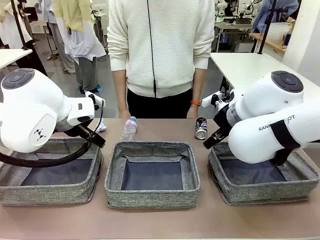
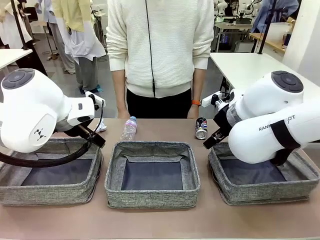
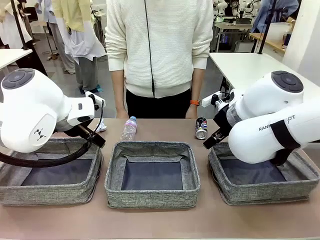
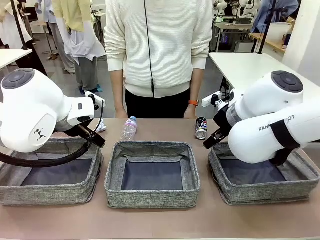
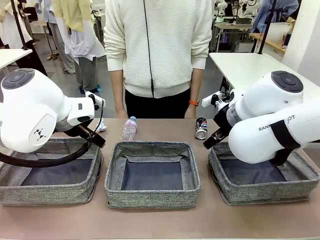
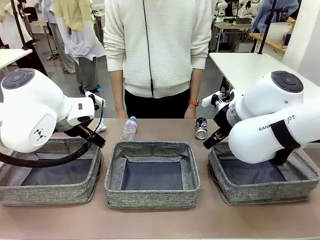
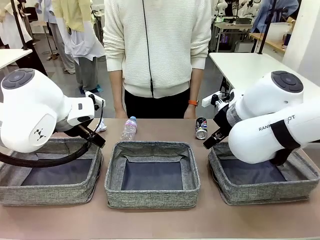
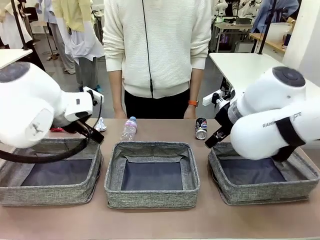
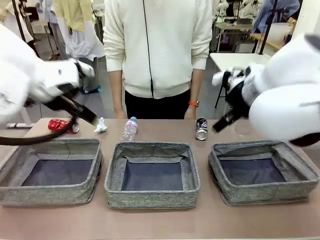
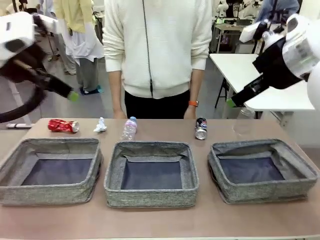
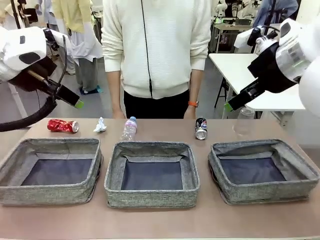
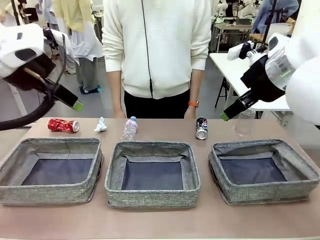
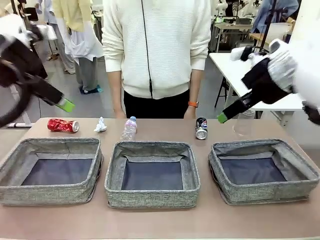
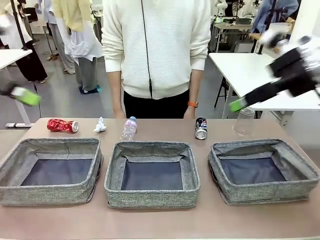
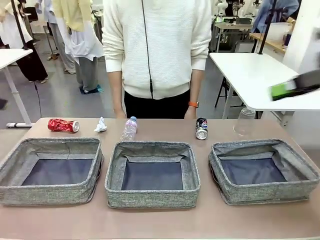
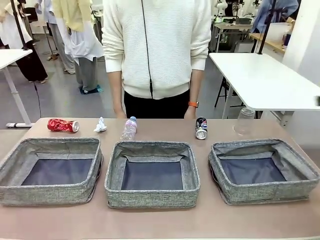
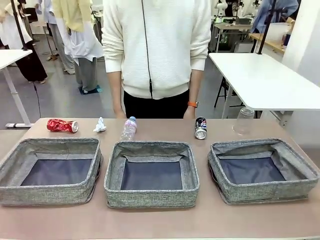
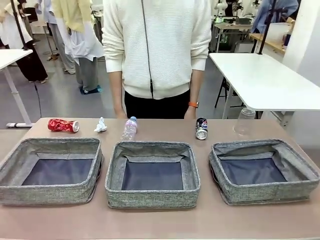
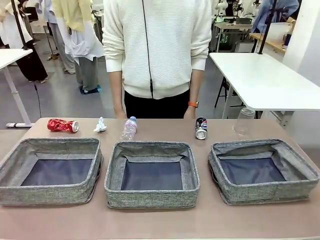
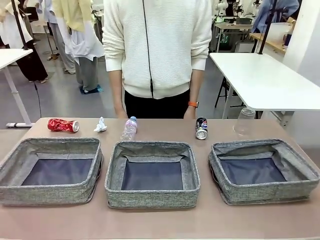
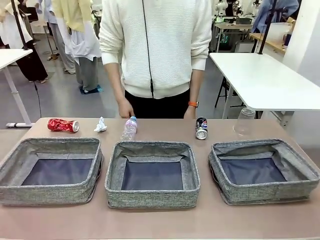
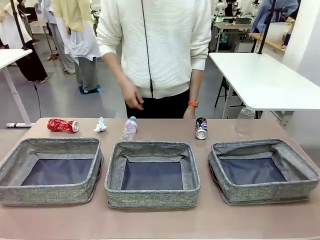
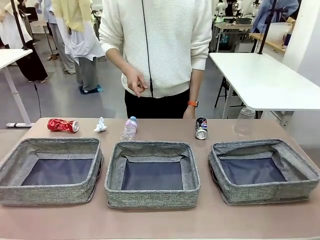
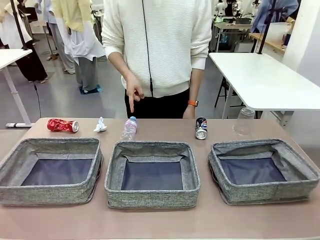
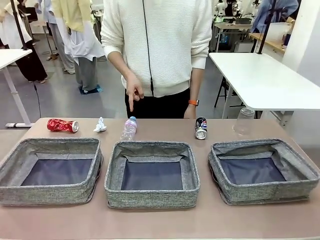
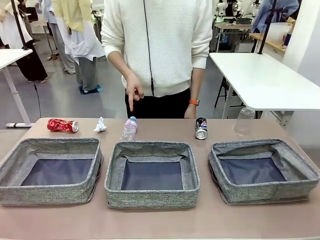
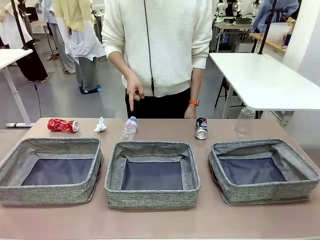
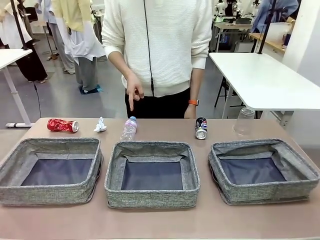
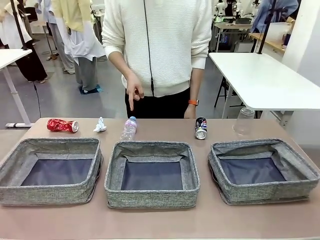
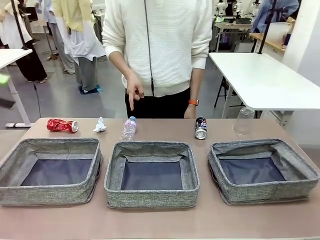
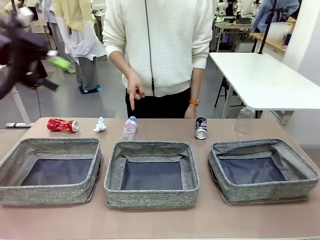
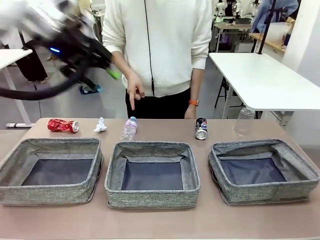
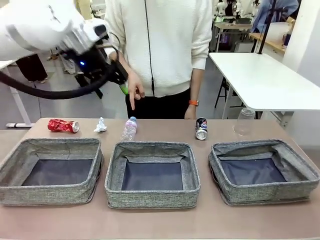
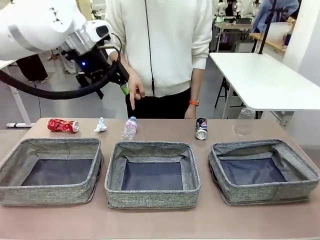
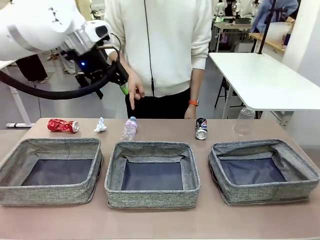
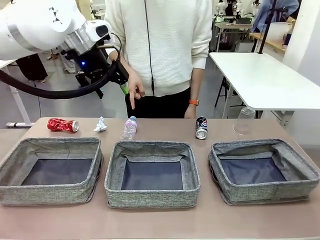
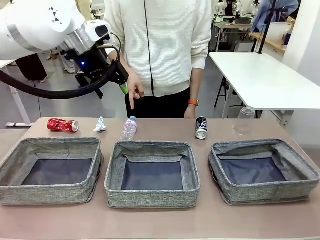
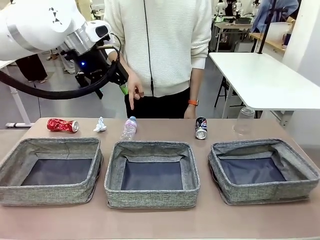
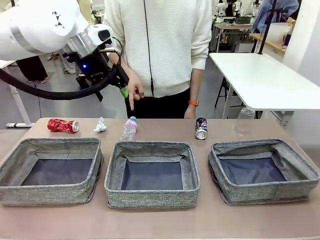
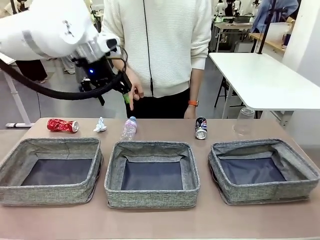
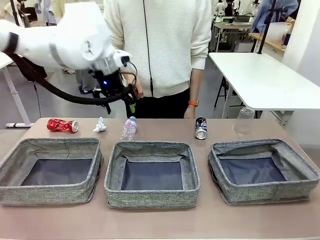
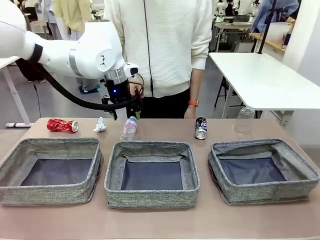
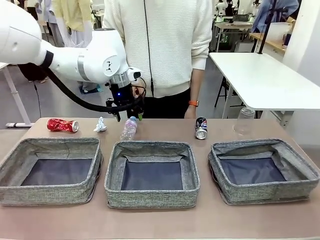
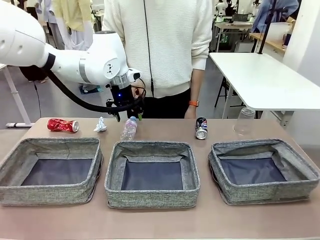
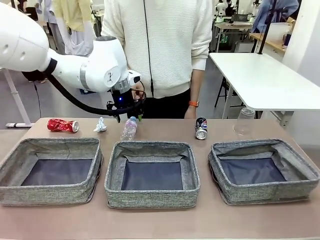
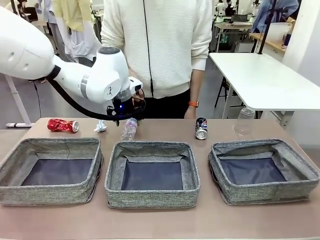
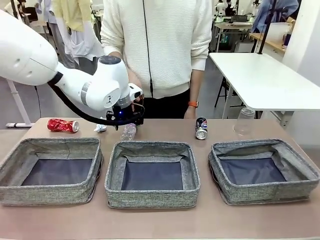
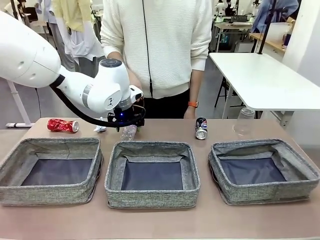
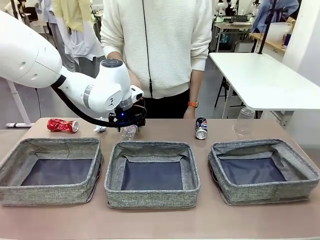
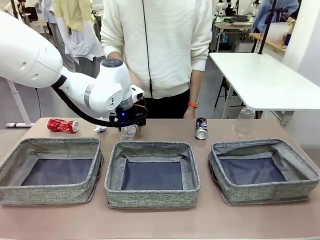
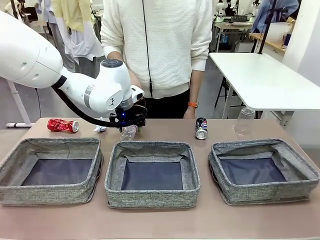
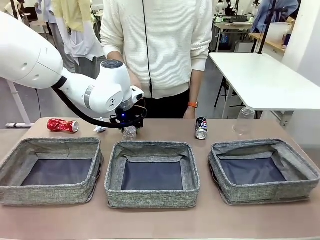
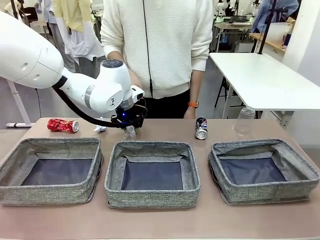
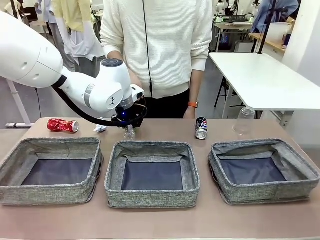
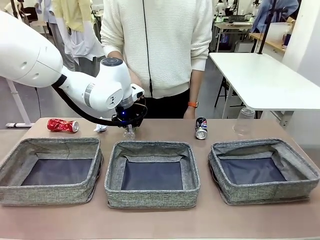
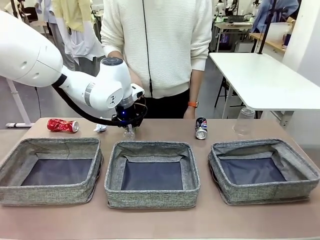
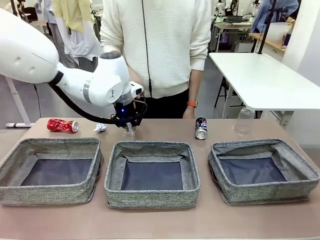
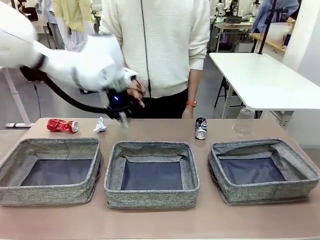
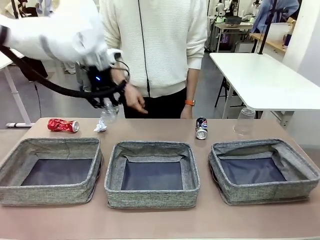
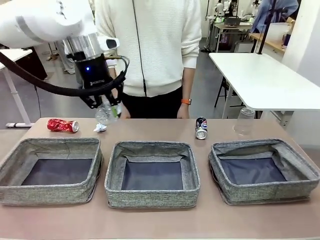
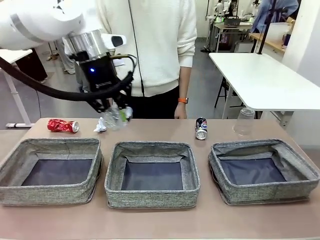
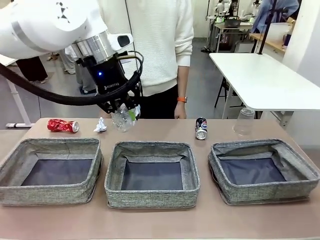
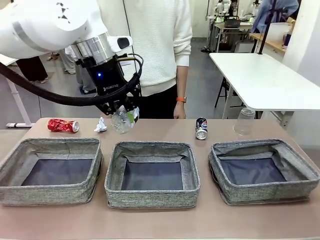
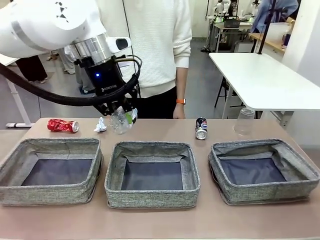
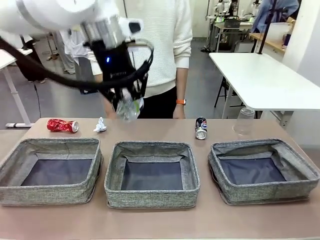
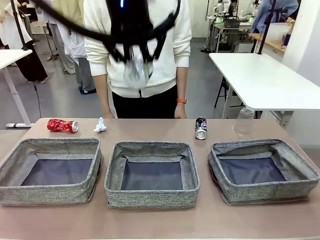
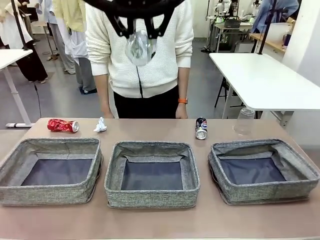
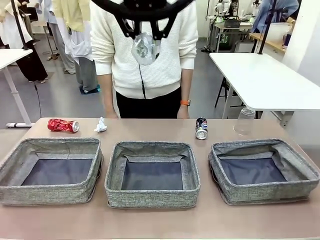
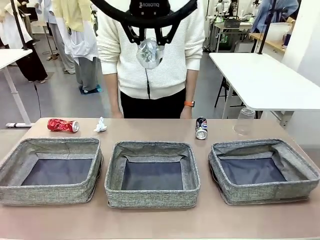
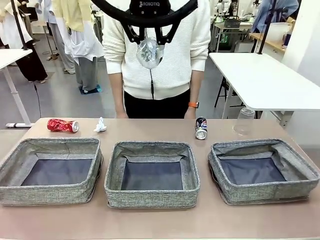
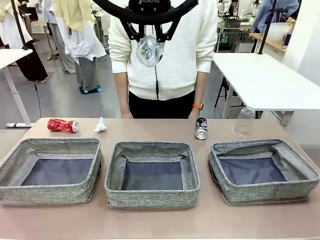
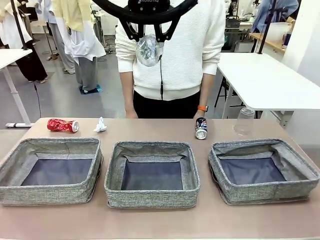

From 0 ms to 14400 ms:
Task: Sort the waste into the appropriate baskets.
Robot: Pick up the waste item pointed out by the person.
Person: Points to one piece of trash on the table.

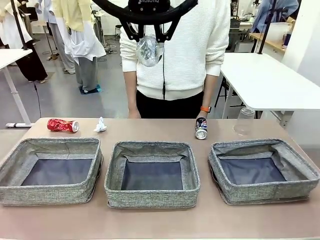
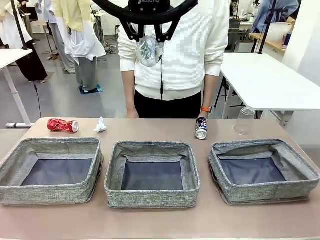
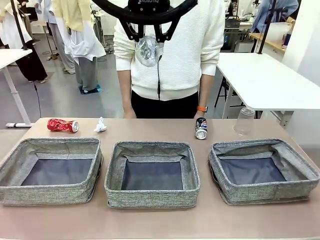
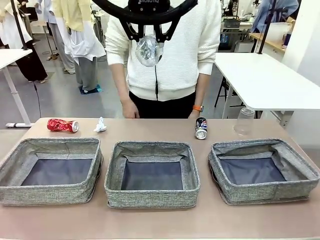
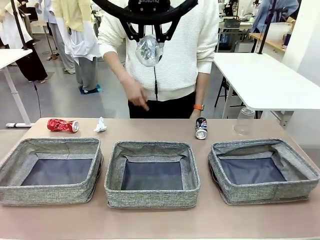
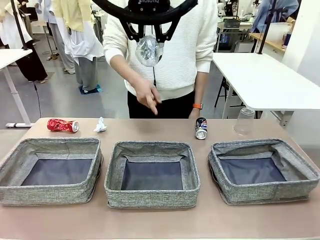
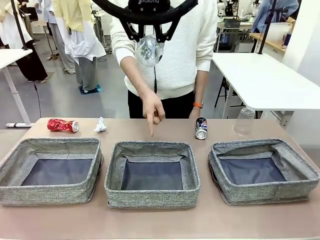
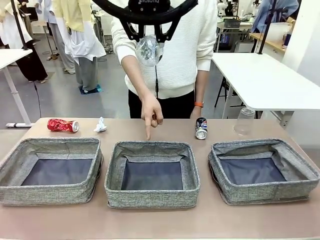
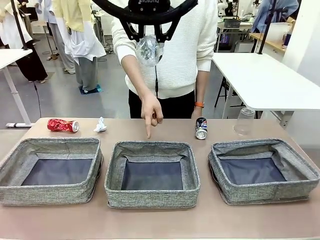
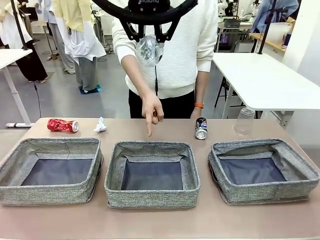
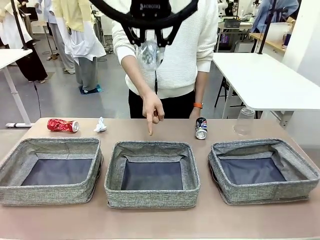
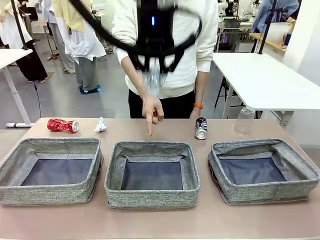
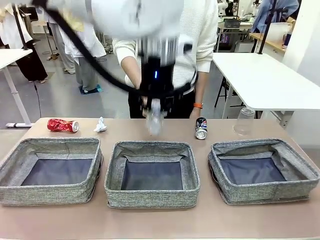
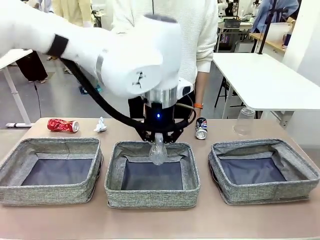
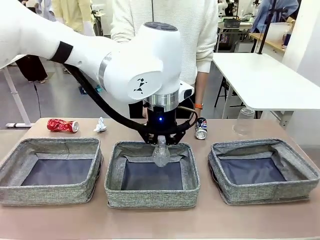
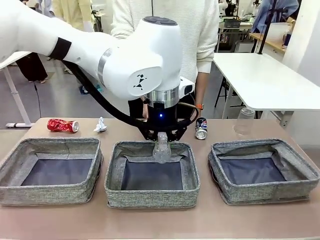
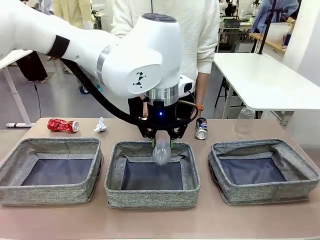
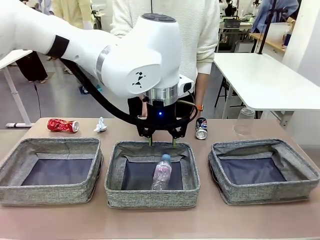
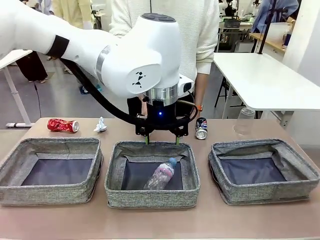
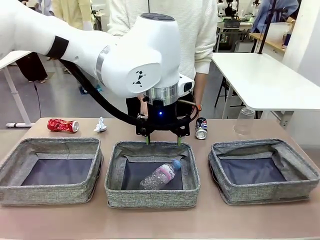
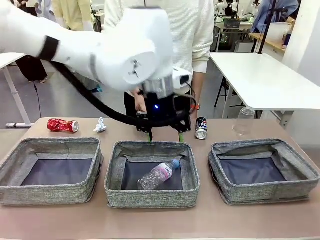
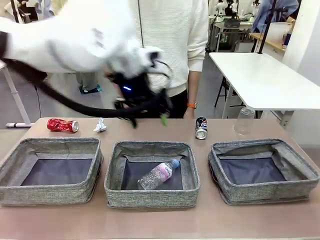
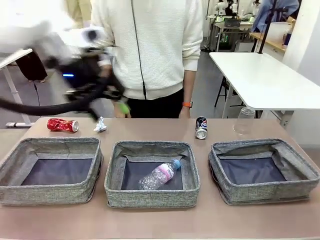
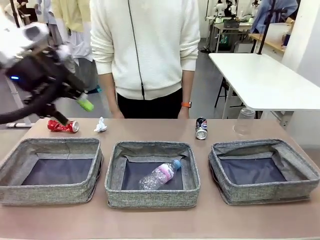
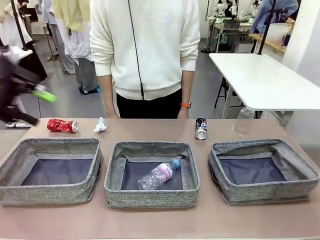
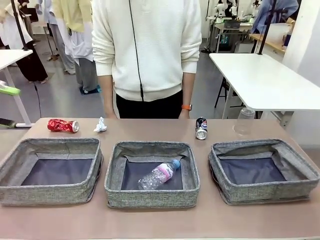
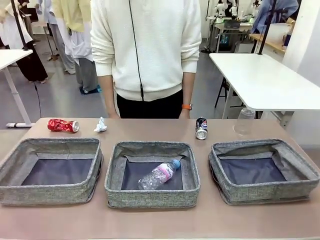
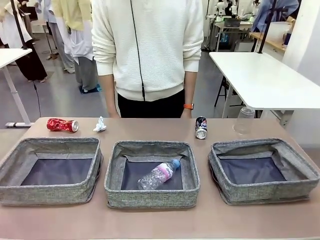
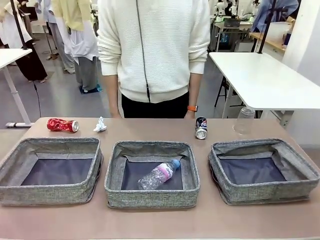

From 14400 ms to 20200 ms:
Robot: Place the picked waste into the Fabric basket indicated by the person.
Person: Instructs the robot to place the picked-up trash into the appropriate organizing basket.
